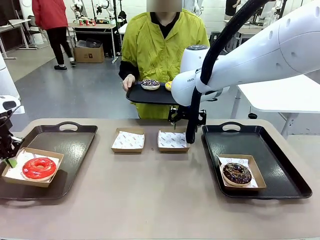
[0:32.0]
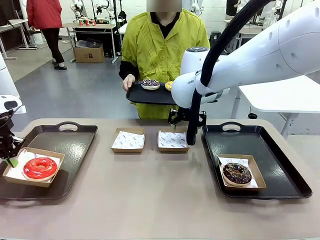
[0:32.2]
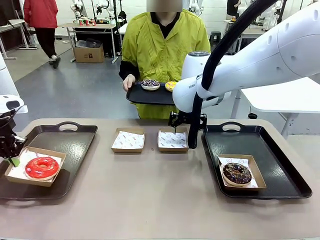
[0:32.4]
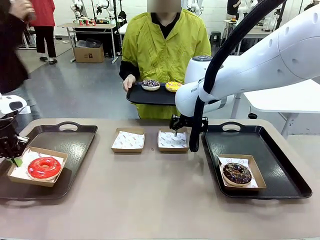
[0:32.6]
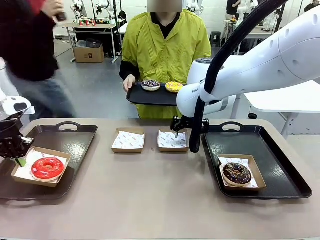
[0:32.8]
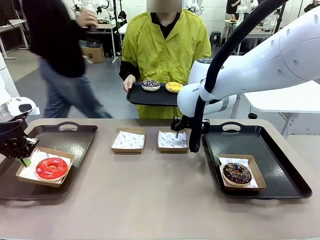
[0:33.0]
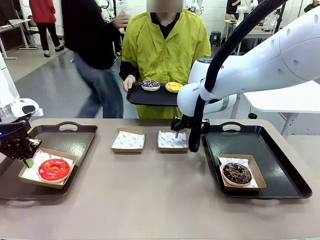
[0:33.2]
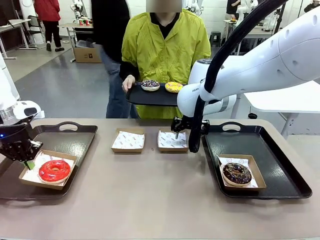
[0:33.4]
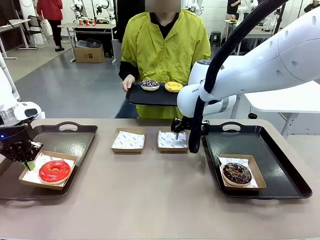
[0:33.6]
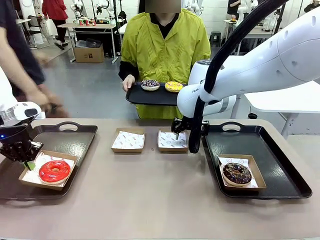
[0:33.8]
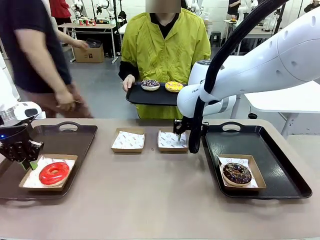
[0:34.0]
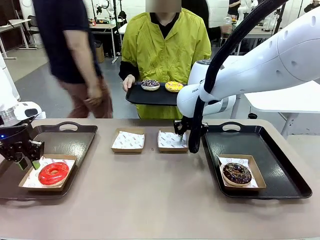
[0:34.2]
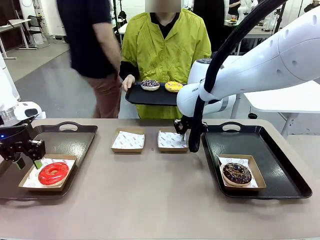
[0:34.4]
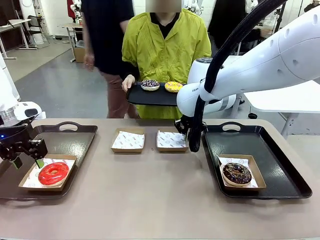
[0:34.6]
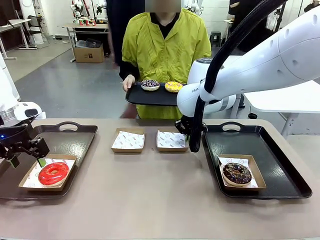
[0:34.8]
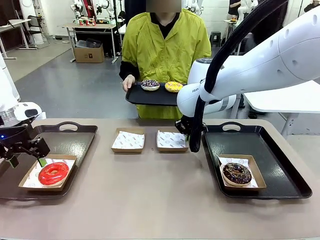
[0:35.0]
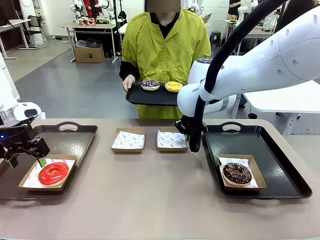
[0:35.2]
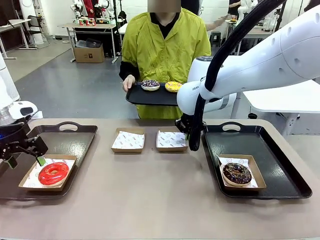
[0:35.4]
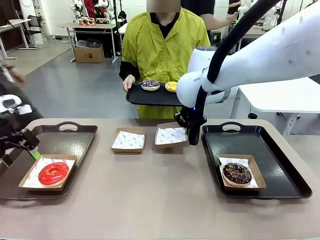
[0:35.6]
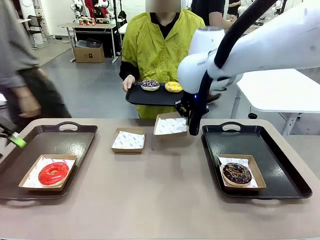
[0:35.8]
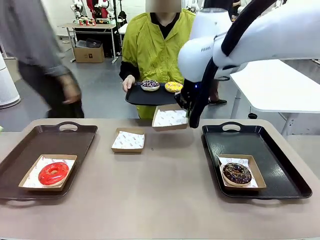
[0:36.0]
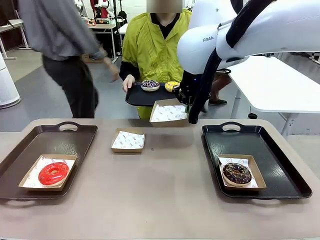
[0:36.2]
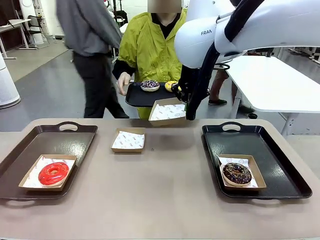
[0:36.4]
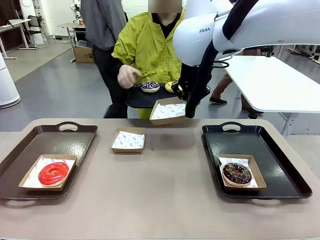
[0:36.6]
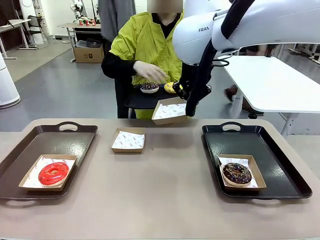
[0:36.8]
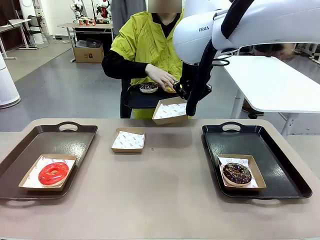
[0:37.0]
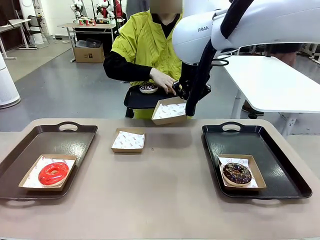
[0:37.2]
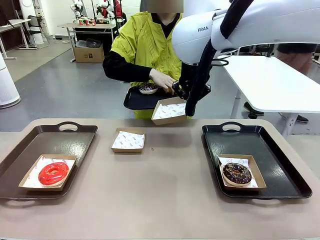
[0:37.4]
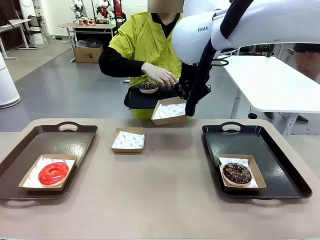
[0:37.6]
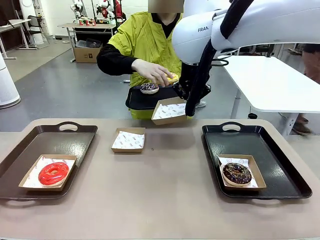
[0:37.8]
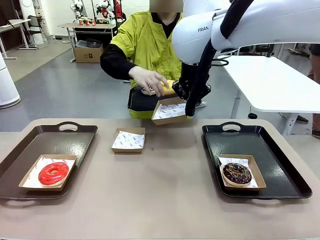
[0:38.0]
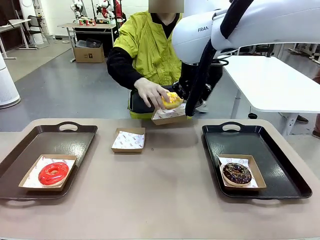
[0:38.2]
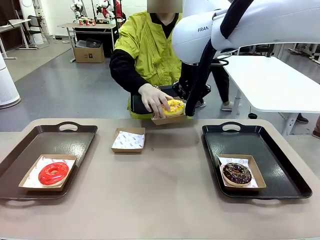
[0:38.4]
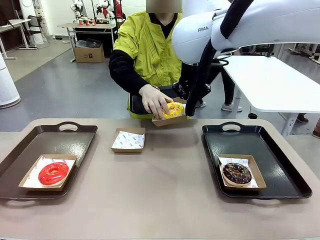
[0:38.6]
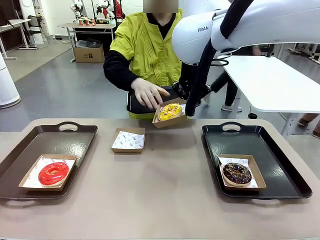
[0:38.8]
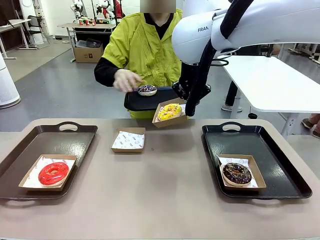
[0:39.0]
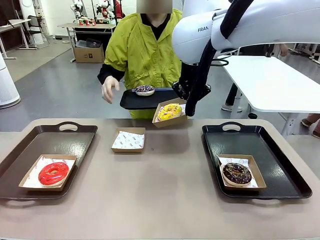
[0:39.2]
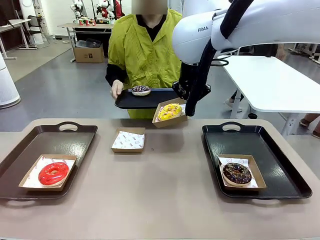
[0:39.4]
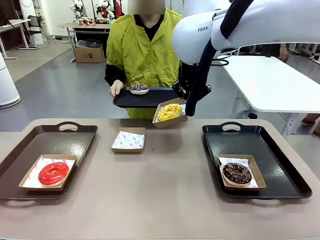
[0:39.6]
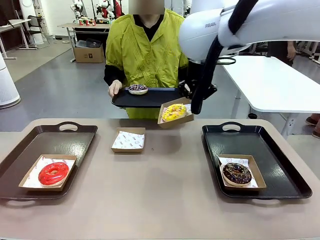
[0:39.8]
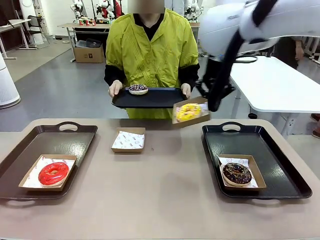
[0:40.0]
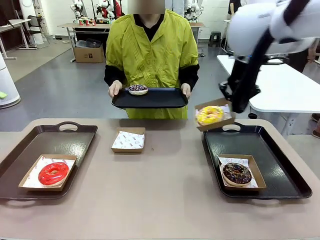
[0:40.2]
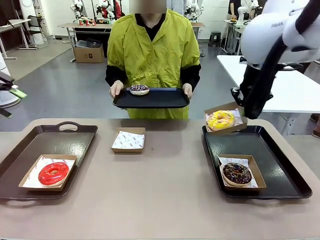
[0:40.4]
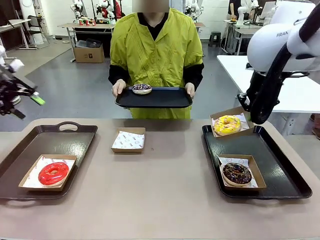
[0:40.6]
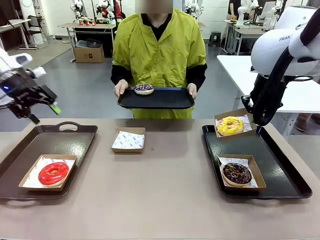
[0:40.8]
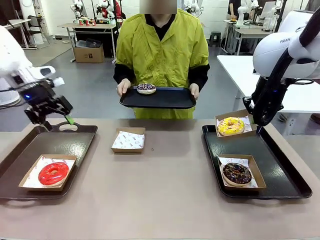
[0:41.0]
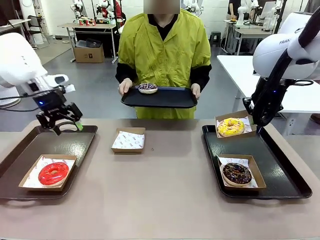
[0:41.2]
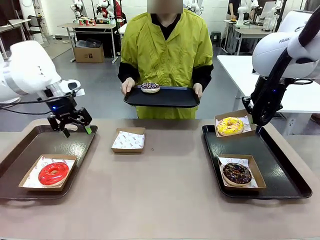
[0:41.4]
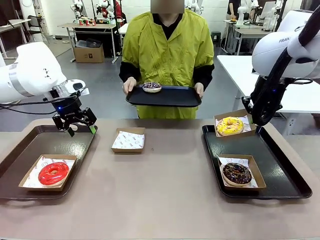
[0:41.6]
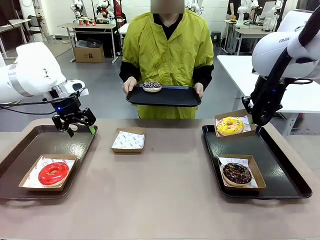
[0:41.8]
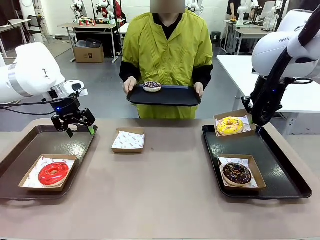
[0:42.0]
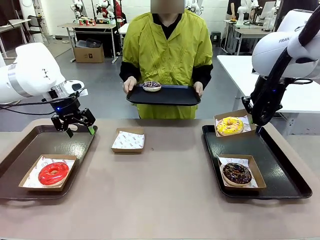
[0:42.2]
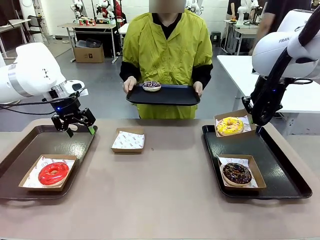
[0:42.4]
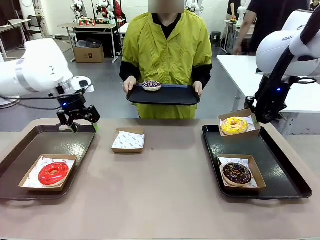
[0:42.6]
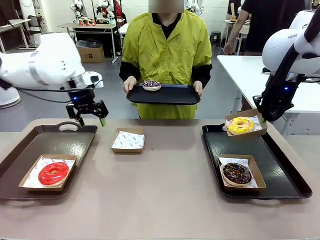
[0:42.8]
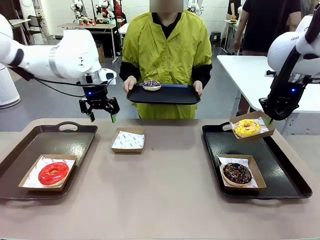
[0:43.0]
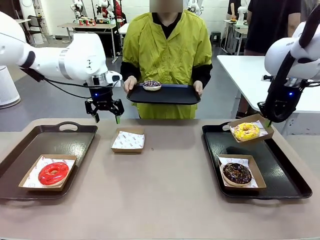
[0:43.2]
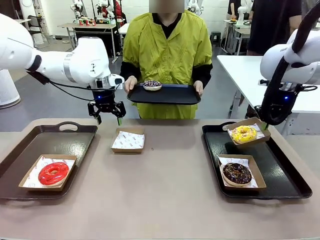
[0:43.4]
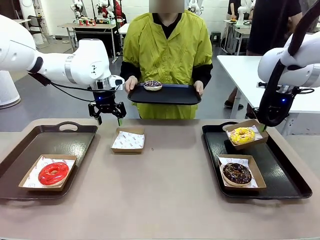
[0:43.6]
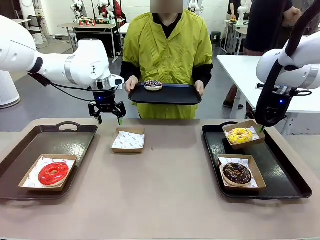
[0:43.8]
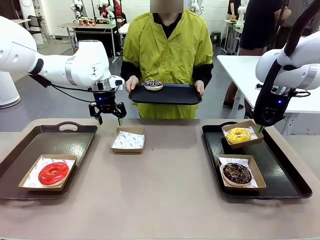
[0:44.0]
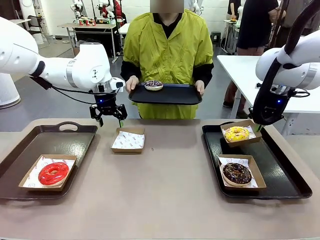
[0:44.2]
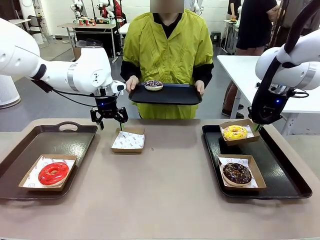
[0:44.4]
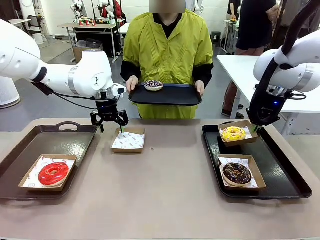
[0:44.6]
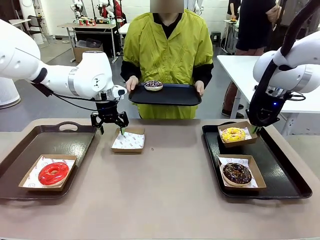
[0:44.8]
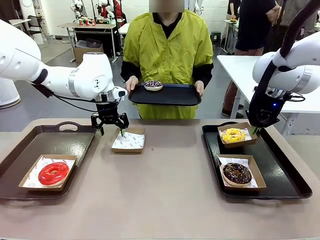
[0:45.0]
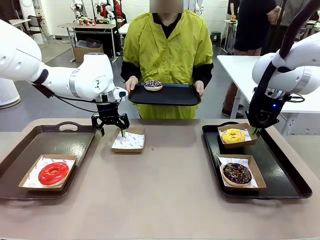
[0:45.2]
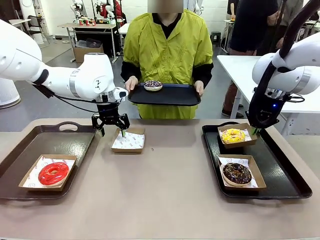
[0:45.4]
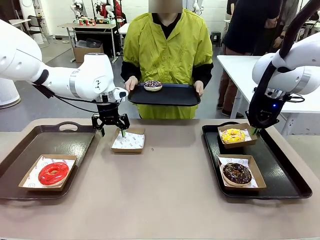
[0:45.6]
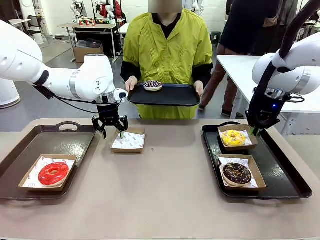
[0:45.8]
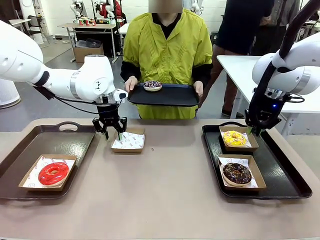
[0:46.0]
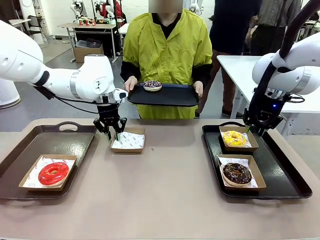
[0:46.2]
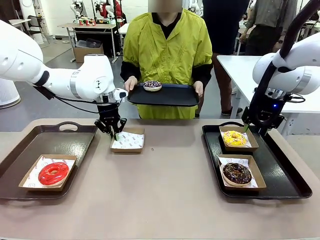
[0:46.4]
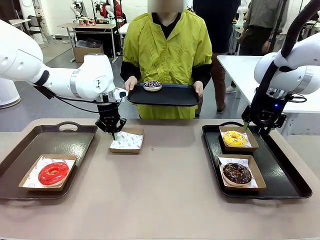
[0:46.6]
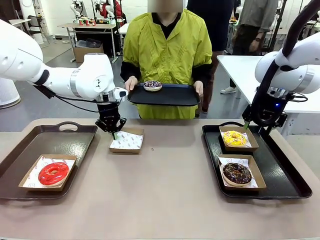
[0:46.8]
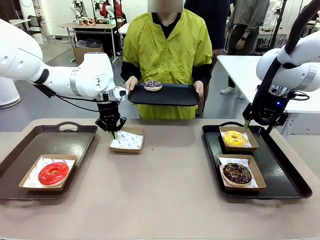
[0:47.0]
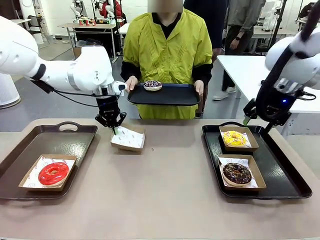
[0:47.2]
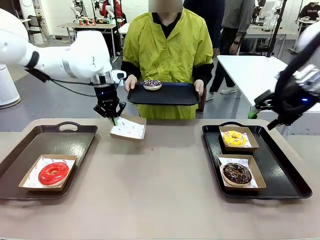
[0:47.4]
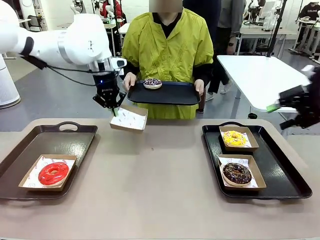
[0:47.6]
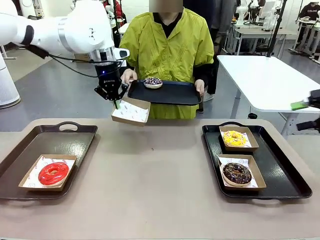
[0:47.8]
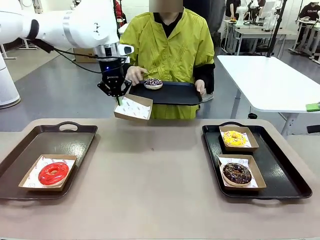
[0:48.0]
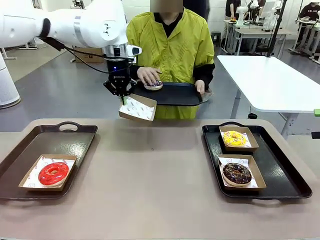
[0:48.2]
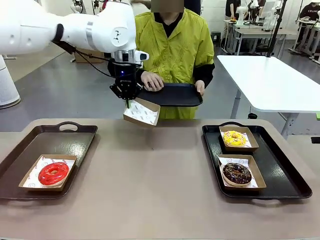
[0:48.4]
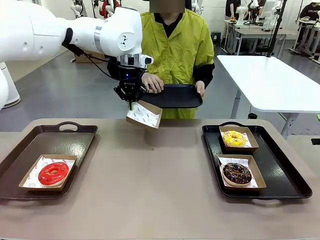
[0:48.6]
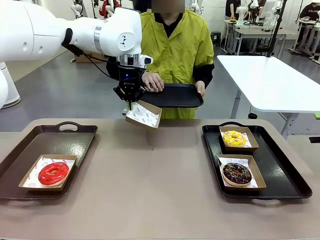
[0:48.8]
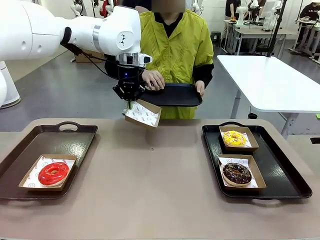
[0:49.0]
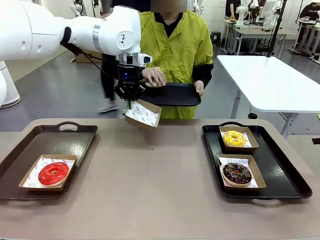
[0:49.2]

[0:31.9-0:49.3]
Task: Individually package the donuts and arrange them on the tray.
Robot: Place the picked Paper togo box on the Handle tray while simultaneously picking up another Paper togo box from the table with the other hand.
